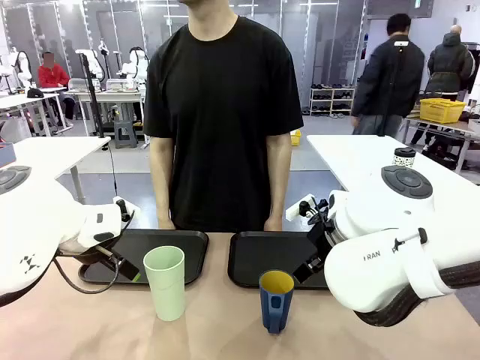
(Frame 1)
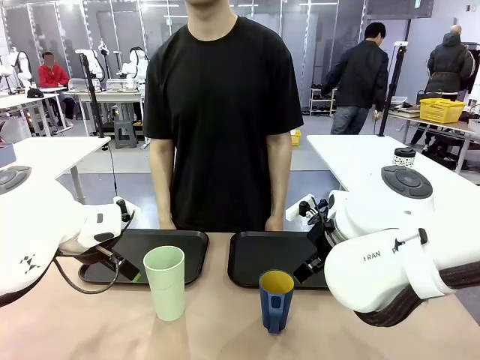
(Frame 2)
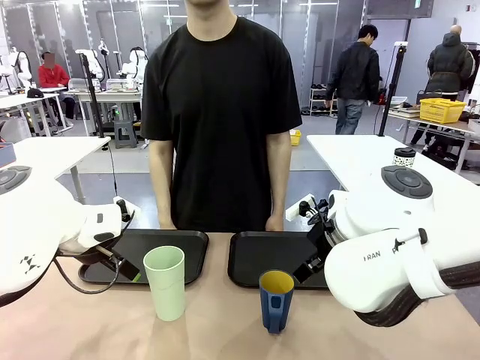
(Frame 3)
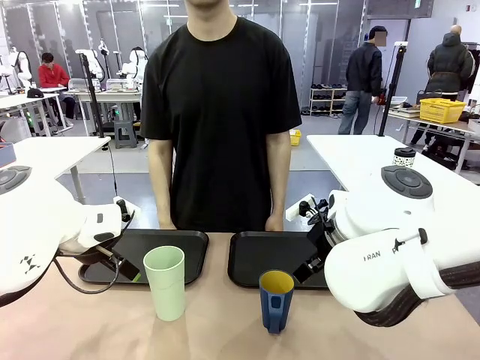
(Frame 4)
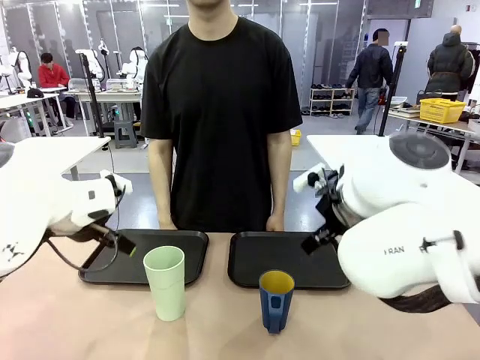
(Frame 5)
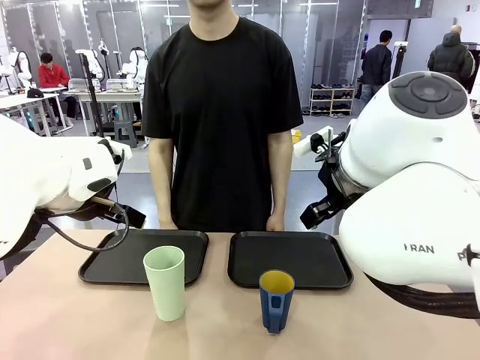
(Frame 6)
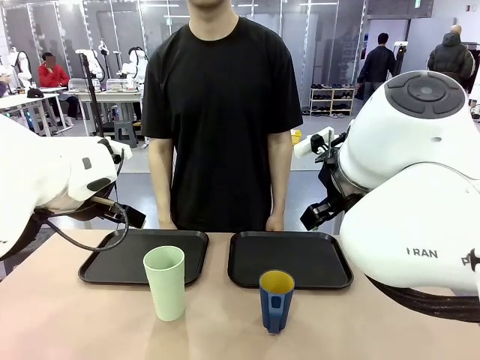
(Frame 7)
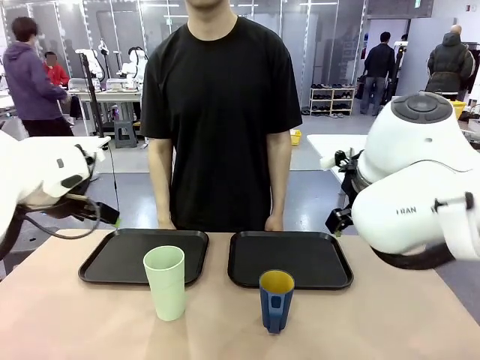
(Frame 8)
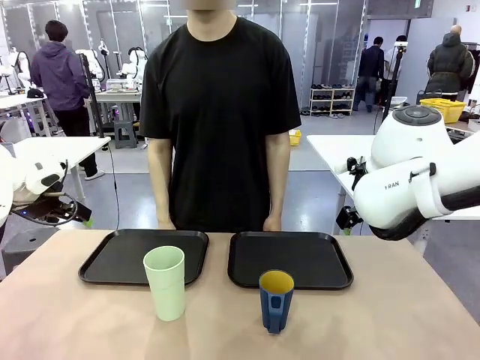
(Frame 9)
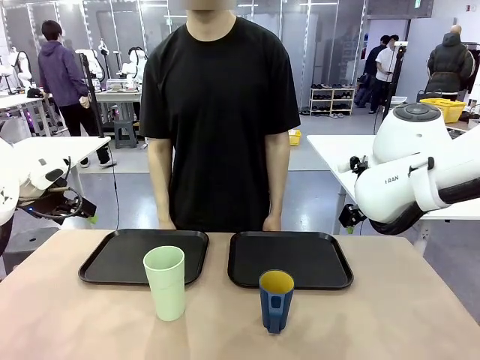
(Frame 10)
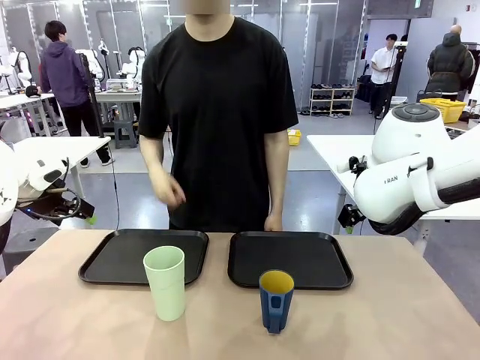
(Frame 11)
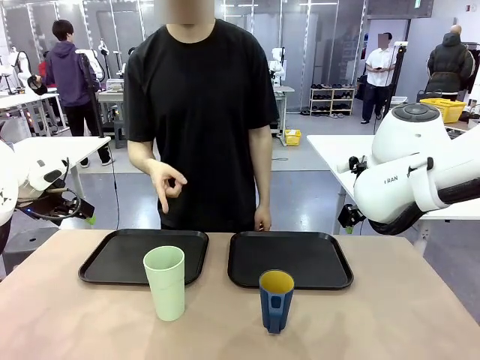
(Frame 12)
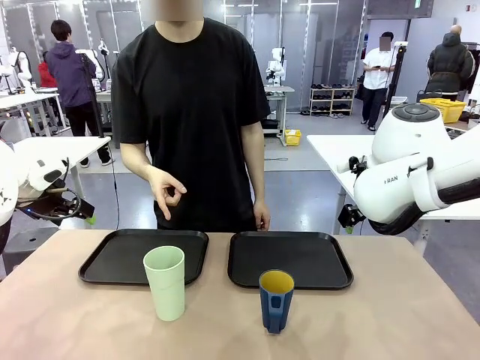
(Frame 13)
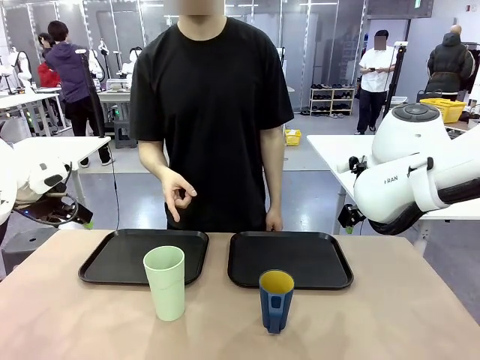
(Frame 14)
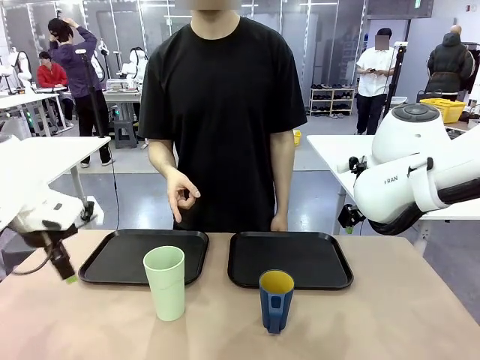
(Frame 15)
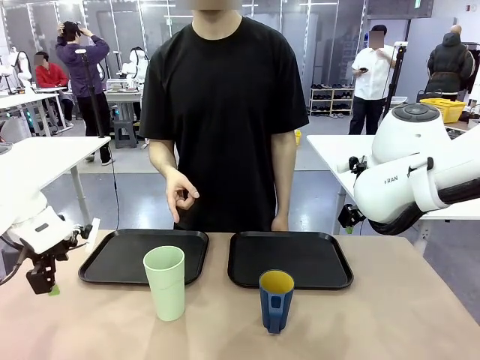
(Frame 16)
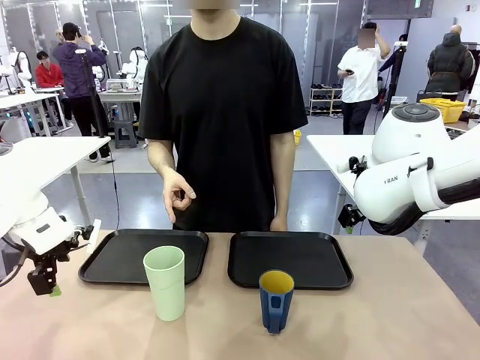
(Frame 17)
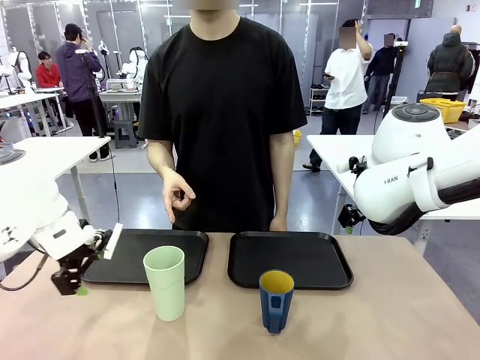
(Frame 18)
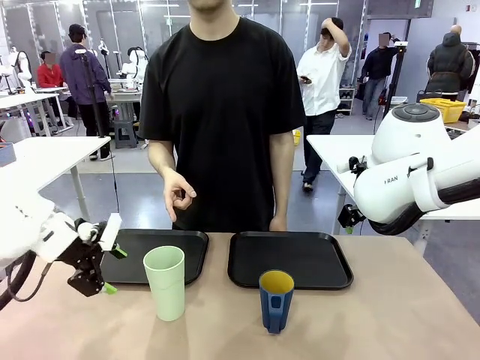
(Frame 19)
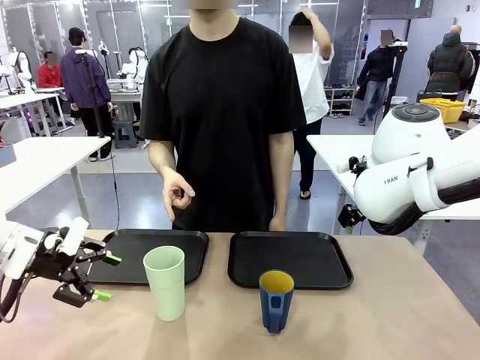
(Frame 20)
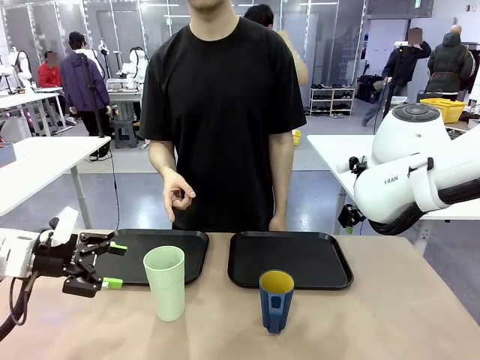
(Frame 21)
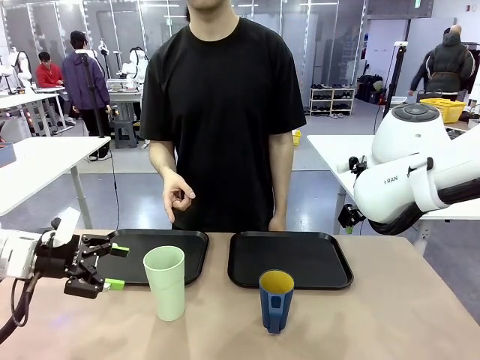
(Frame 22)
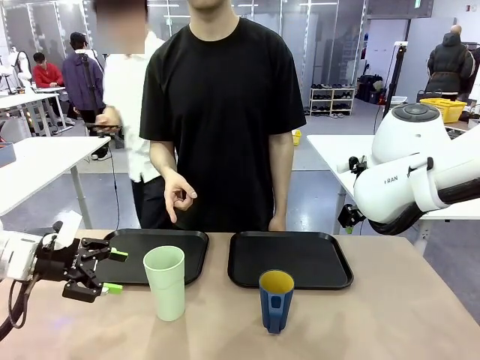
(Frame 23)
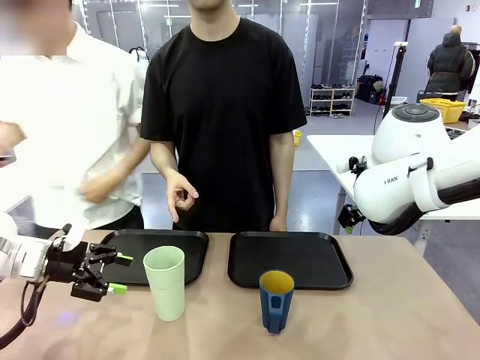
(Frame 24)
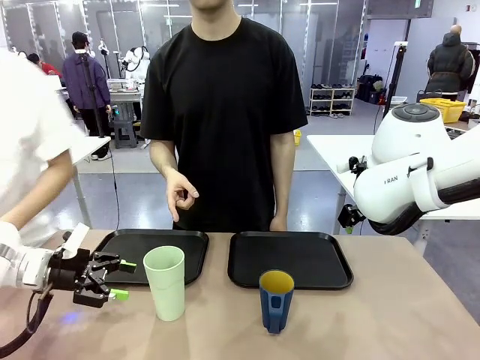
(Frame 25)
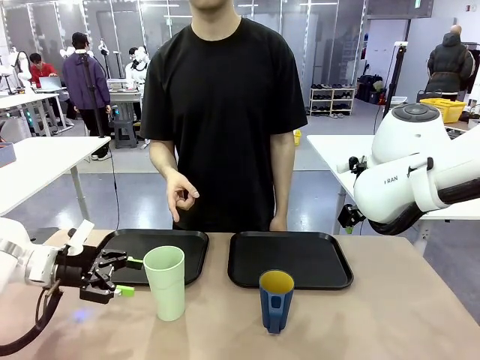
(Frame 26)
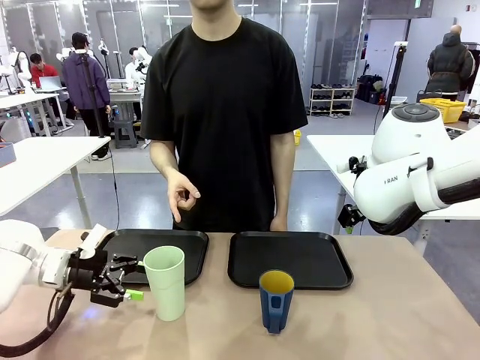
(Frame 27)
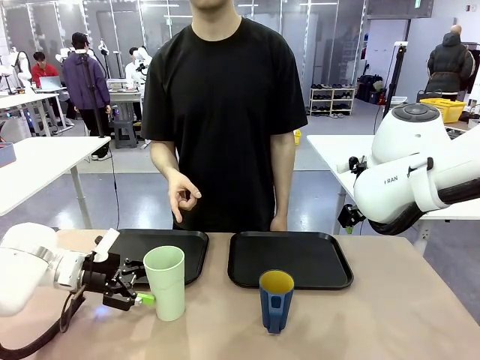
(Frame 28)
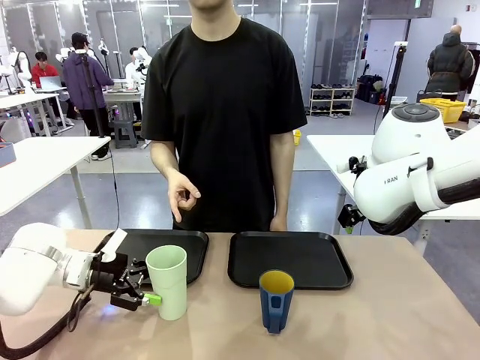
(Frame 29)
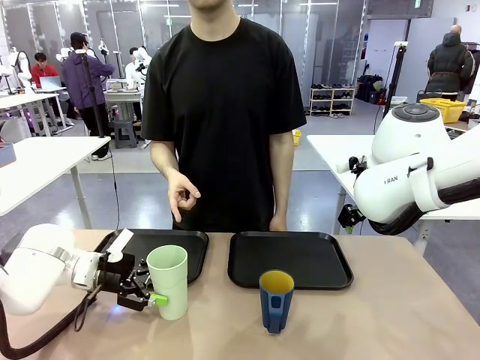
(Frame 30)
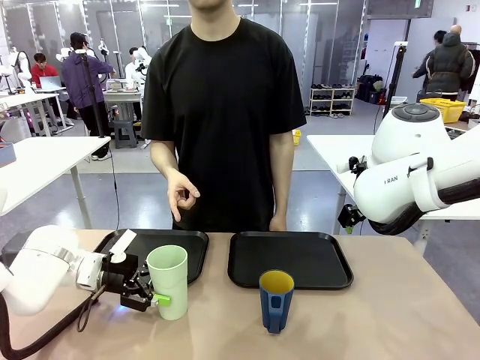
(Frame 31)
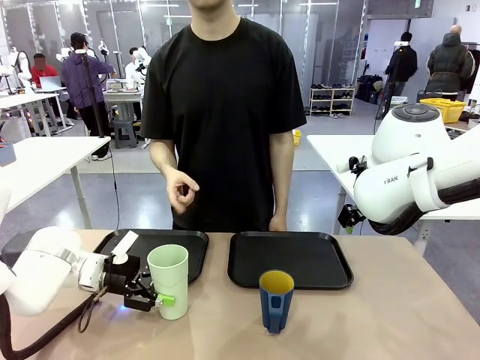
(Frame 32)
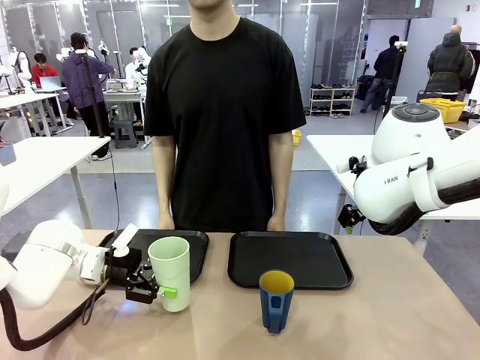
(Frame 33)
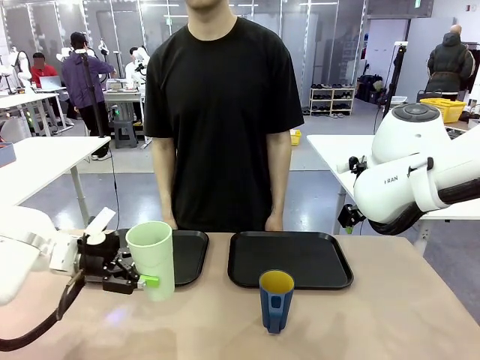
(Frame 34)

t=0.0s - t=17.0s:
Task: Sort and store the cups by type.
Robot: Pick up the Reusable plastic cup.
Person: Points to the reusable cup. Point to one of the two trays.

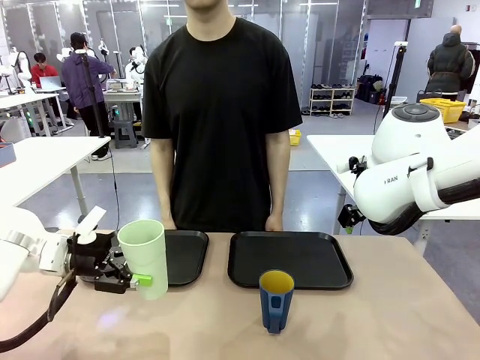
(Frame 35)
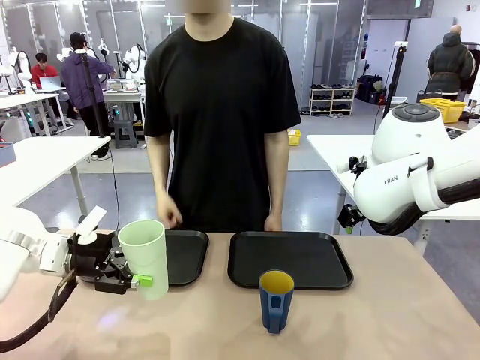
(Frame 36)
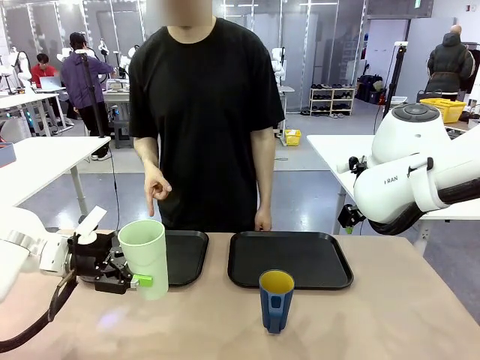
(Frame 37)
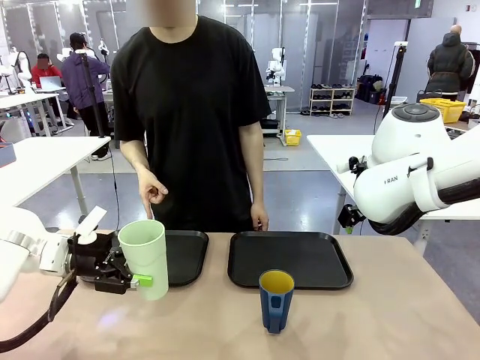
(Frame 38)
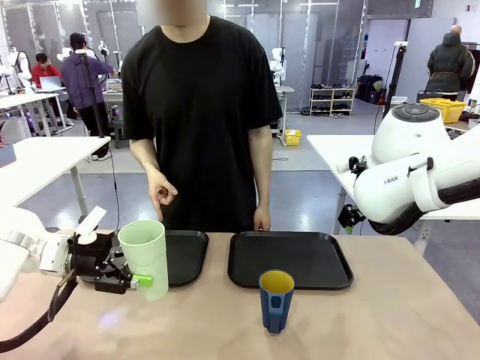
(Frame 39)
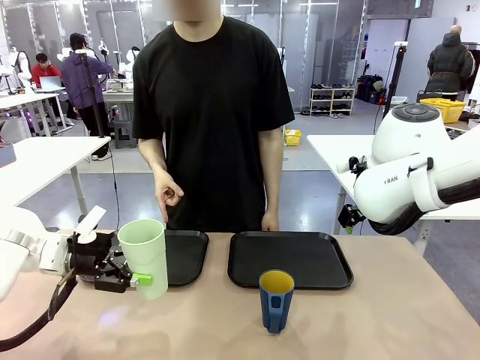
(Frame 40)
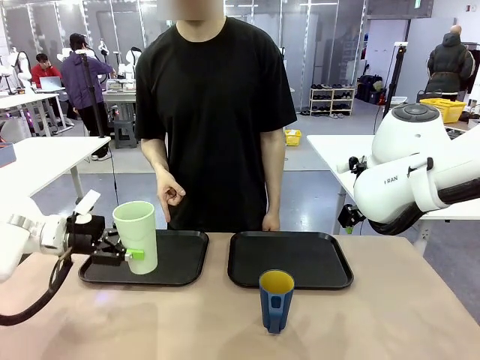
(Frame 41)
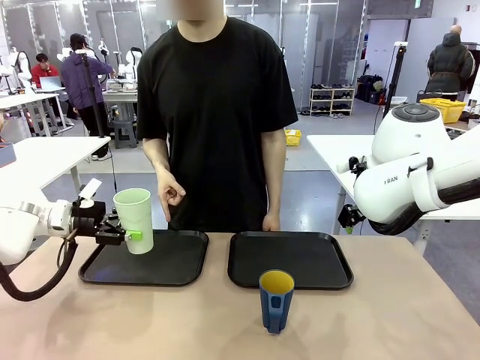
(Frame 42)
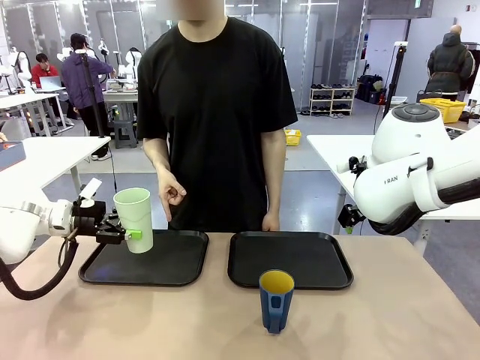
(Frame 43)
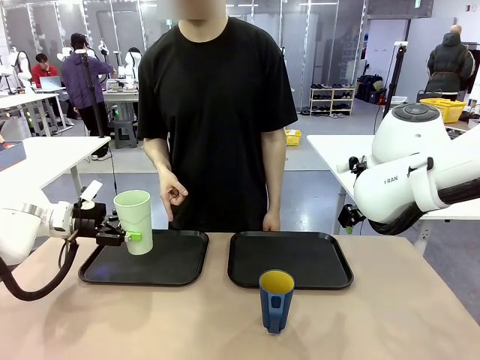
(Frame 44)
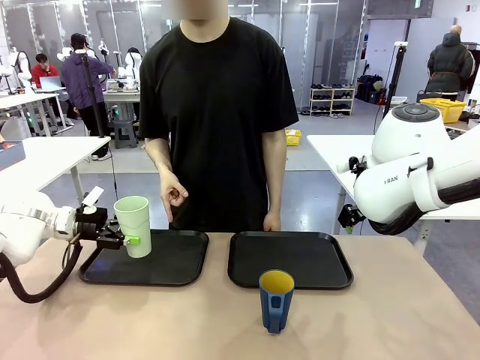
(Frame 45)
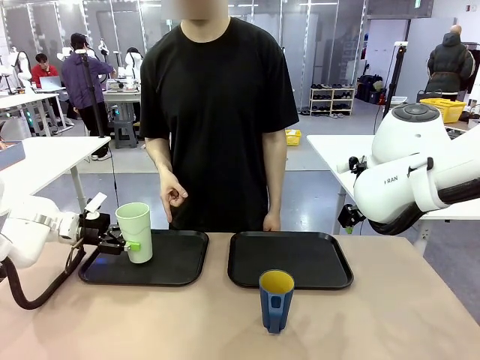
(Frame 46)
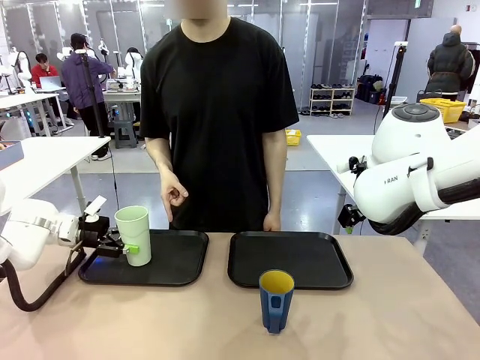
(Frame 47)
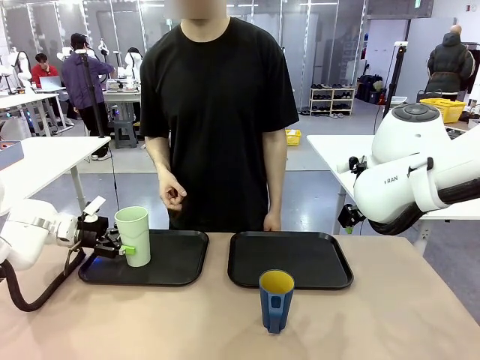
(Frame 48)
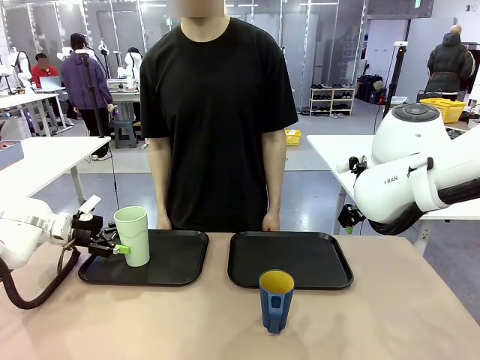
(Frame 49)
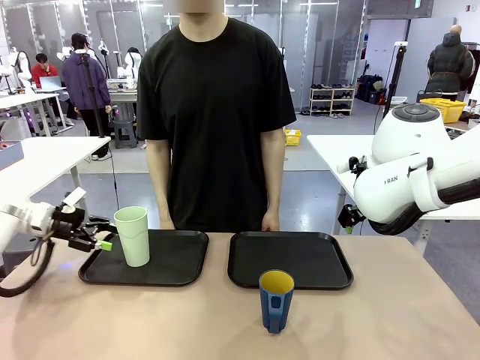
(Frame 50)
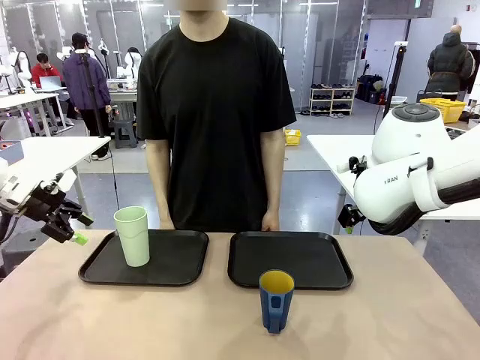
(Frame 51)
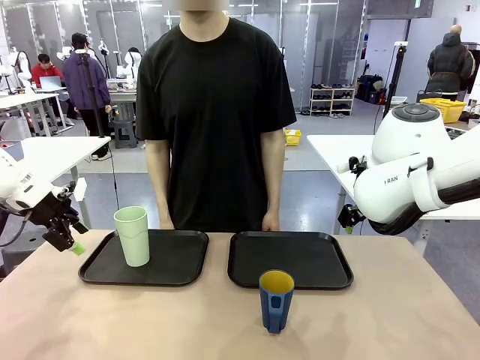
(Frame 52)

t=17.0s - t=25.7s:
Robot: Place the picked Reusable plastic cup into the Flat Tray indicated by the person.
